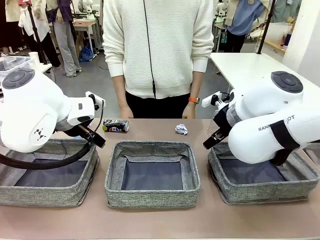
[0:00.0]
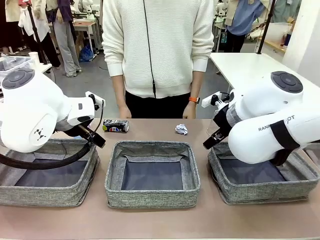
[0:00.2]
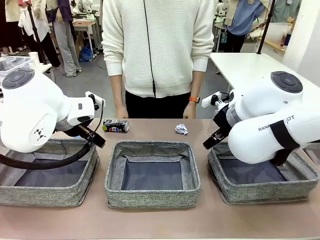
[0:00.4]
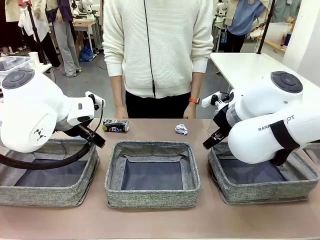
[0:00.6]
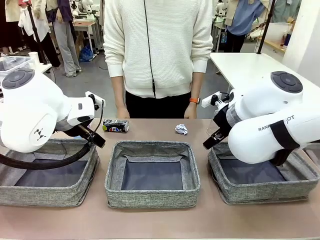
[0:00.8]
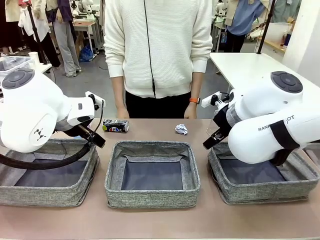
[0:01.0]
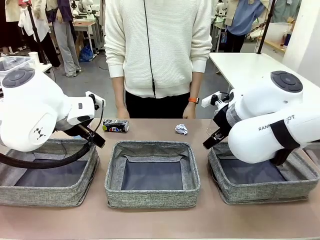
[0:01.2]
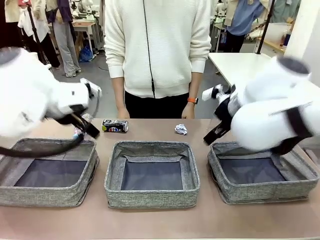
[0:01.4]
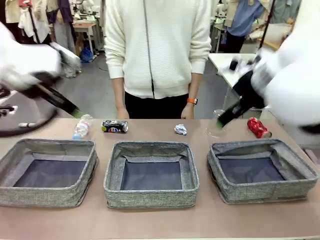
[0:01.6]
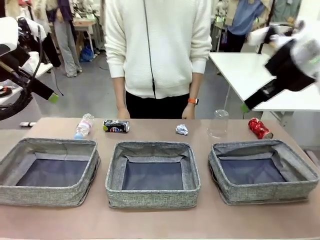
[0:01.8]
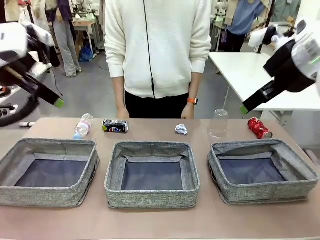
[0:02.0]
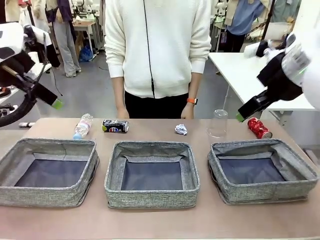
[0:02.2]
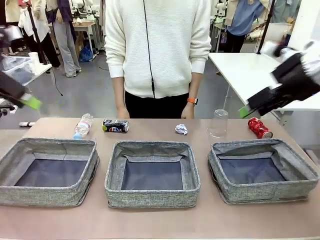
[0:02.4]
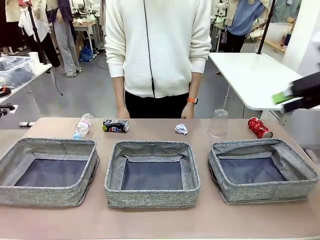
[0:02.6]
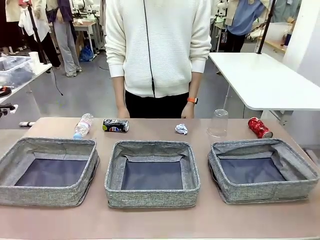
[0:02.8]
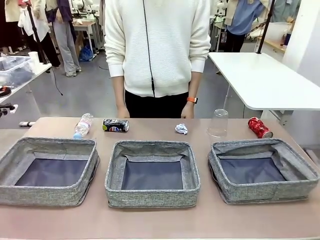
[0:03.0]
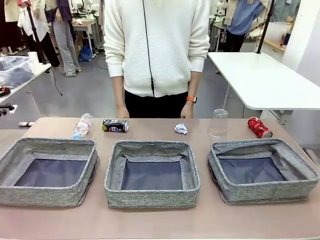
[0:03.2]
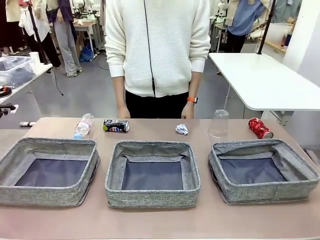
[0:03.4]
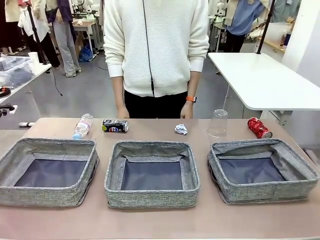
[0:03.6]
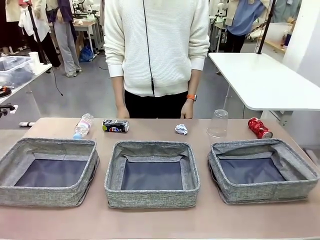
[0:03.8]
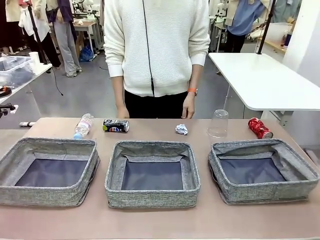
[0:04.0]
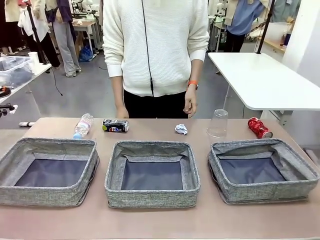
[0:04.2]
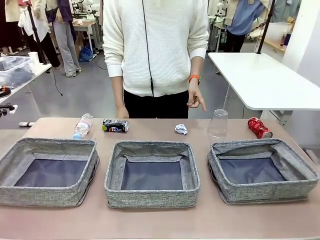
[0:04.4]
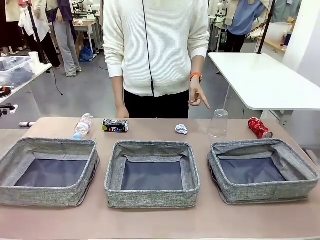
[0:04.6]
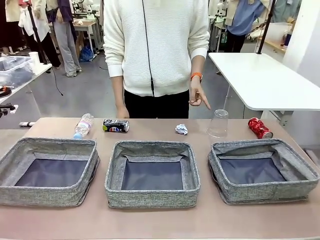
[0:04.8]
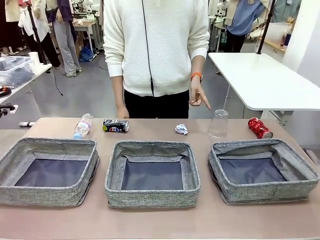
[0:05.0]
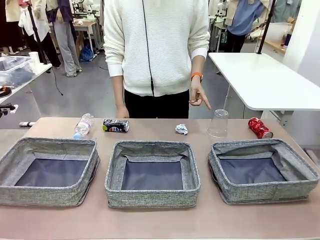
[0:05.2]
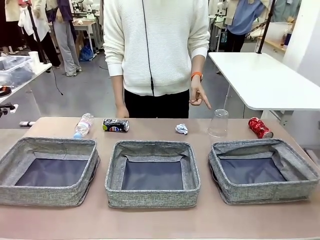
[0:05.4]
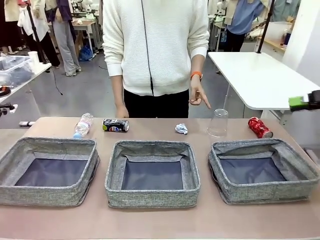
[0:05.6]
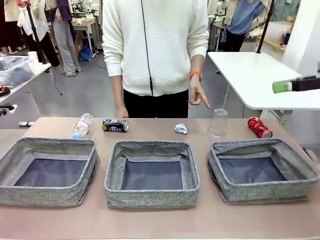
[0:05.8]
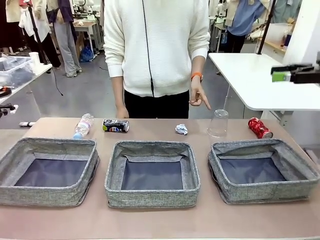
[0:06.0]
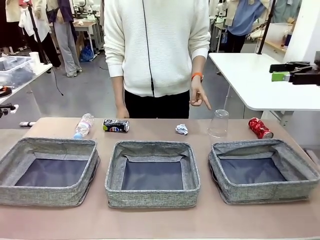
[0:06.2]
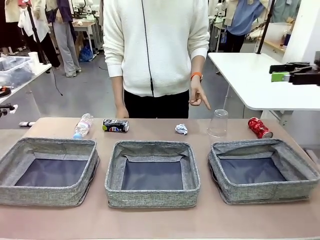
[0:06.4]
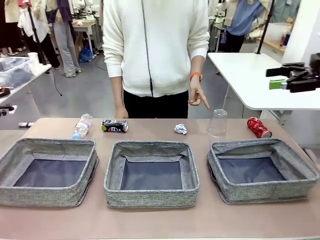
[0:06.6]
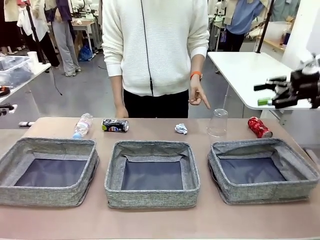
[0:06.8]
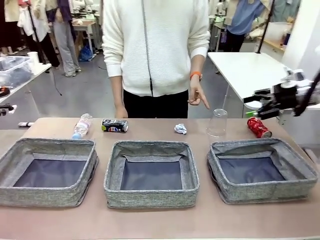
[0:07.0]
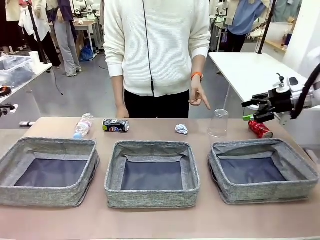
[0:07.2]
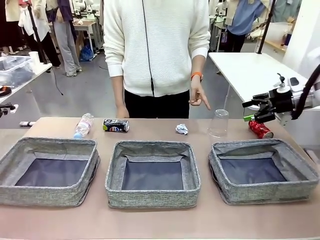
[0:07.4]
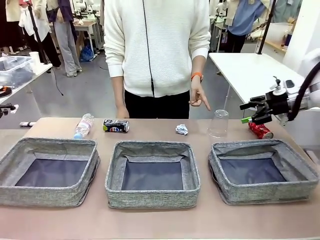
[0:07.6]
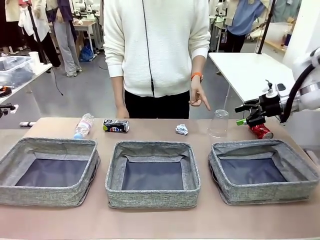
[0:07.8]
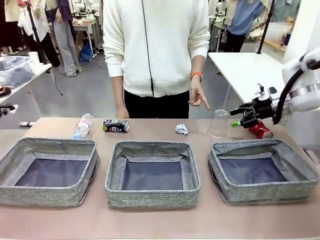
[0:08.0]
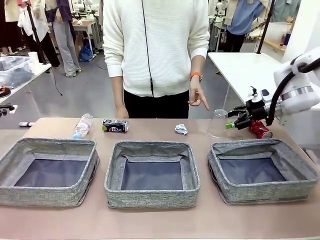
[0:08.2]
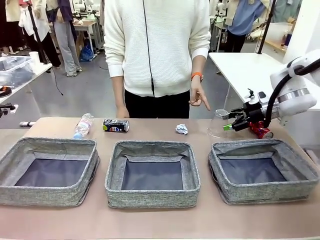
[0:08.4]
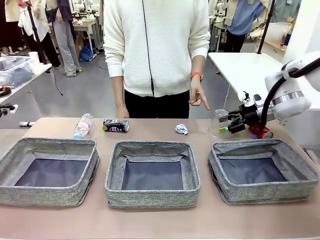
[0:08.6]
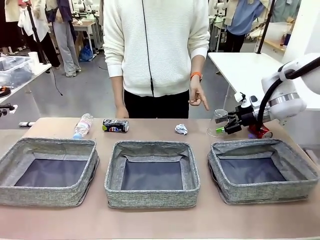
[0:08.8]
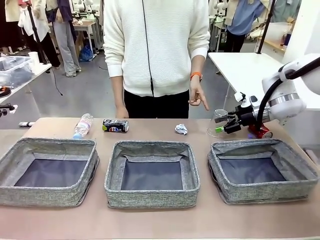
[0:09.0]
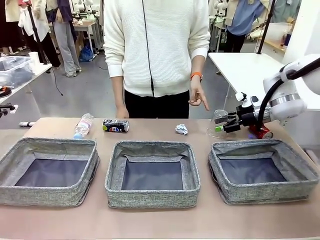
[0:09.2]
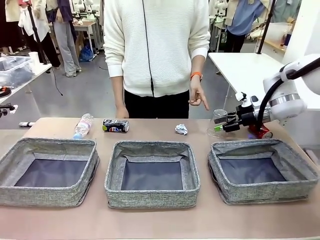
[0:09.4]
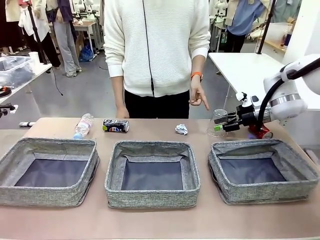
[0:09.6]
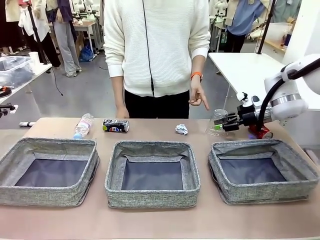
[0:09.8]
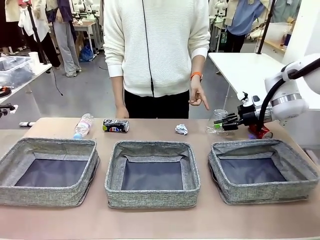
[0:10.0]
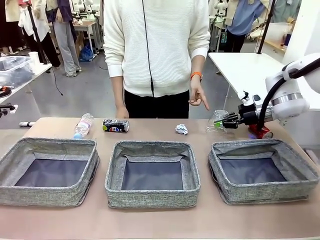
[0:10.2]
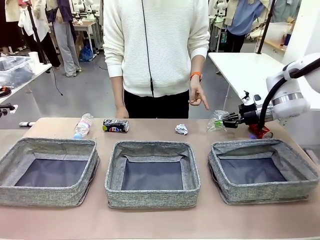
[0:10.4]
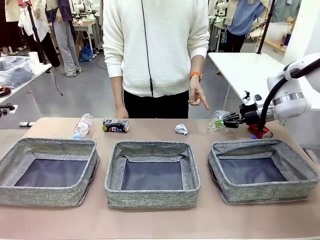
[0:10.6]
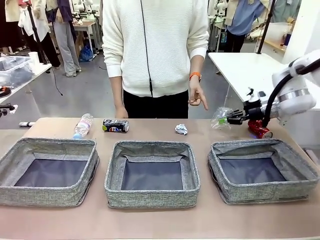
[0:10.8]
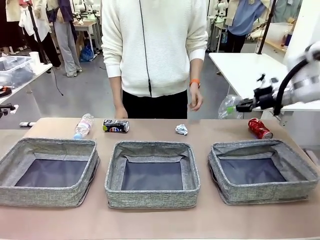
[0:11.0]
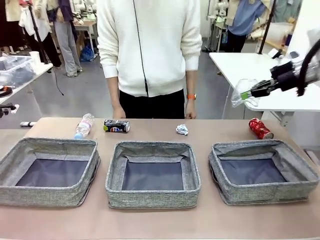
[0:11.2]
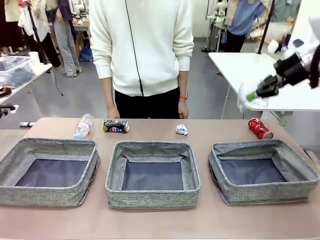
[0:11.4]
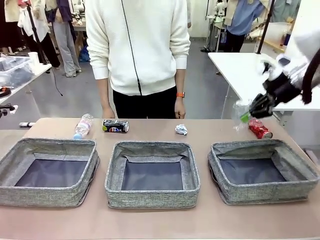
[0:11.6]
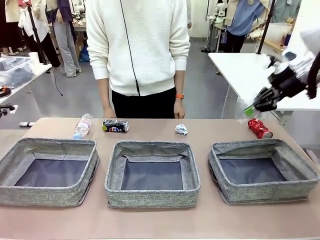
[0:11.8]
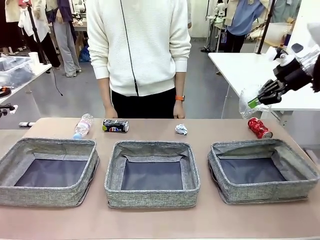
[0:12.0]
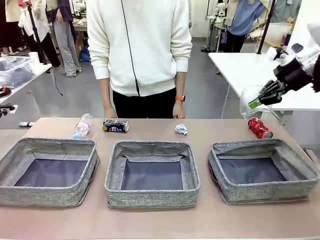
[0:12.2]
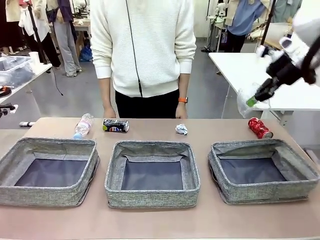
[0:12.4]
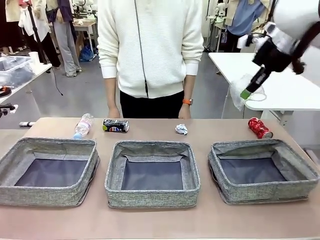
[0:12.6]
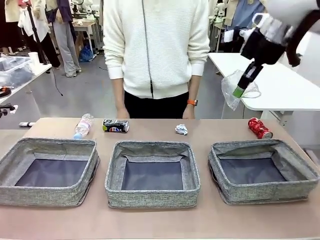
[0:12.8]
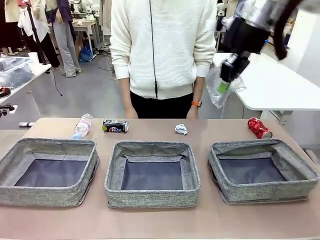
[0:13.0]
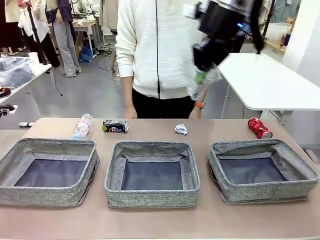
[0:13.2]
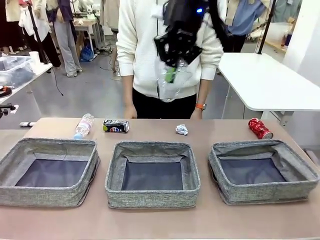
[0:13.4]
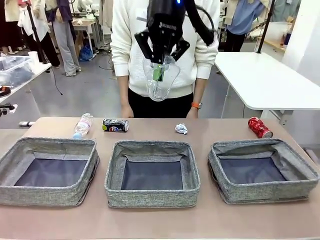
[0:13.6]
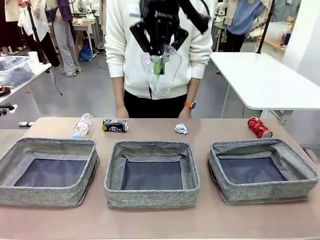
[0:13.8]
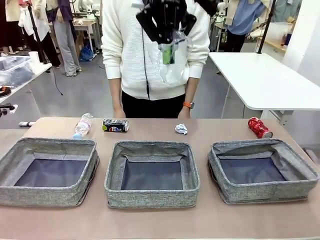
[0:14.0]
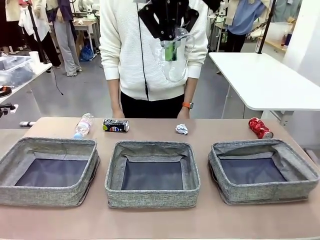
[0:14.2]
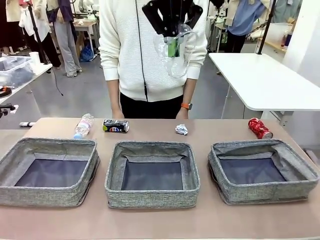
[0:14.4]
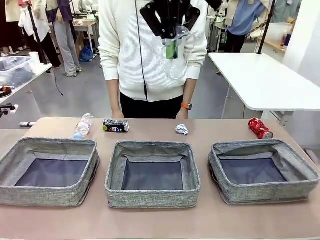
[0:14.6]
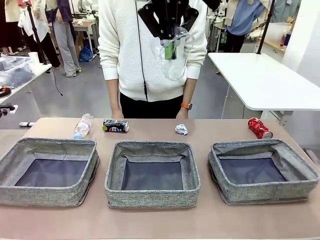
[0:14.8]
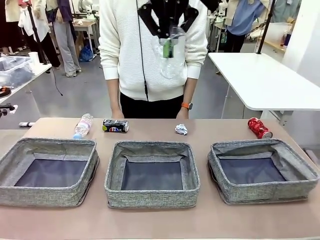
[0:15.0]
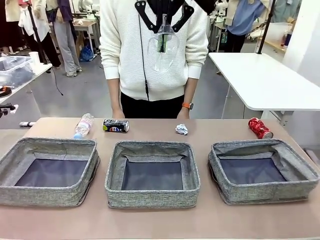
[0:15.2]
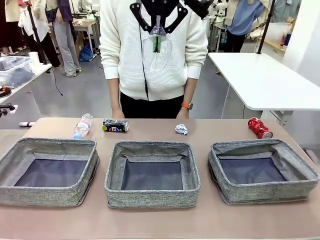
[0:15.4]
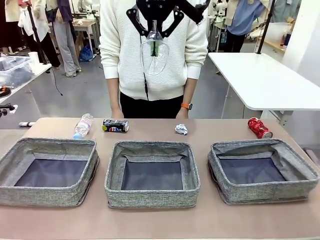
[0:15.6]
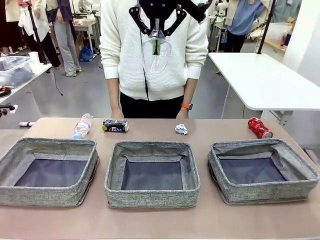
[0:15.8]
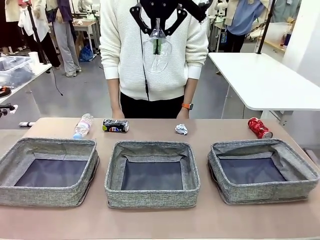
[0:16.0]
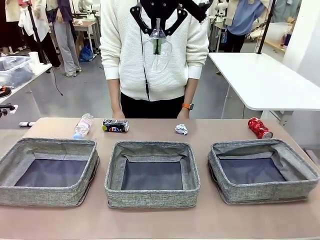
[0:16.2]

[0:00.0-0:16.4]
Task: Sort the waste into the appropriate baskets.
Robot: Pick up the waste item pointed out by the person.
Person: Points to one piece of trash on the table.

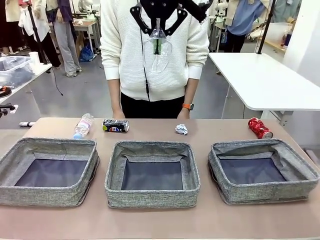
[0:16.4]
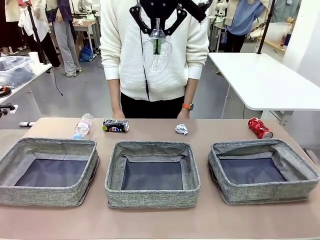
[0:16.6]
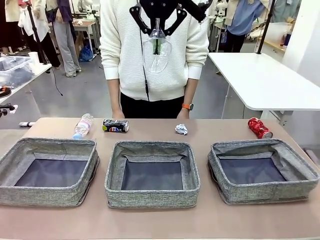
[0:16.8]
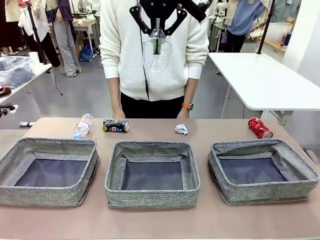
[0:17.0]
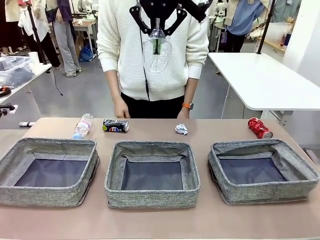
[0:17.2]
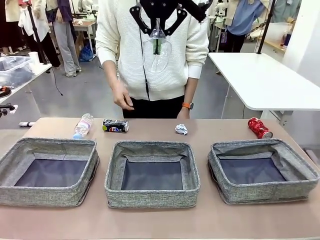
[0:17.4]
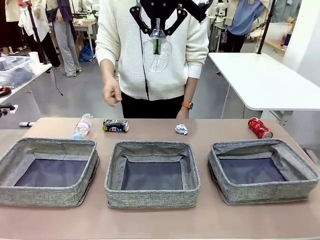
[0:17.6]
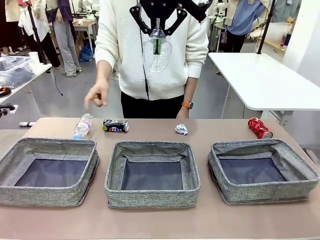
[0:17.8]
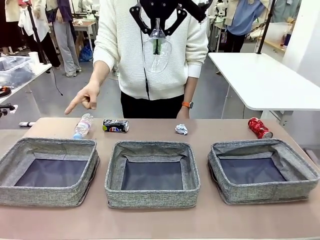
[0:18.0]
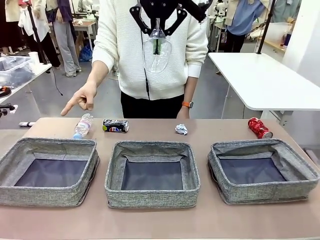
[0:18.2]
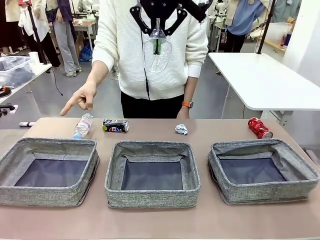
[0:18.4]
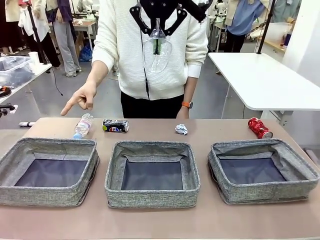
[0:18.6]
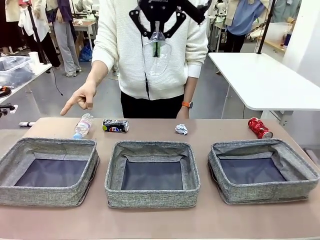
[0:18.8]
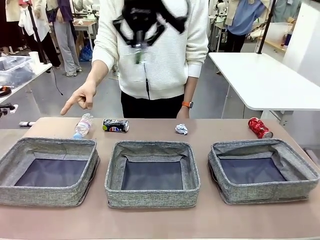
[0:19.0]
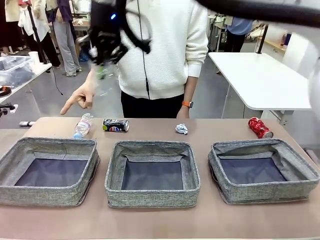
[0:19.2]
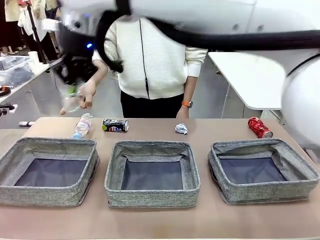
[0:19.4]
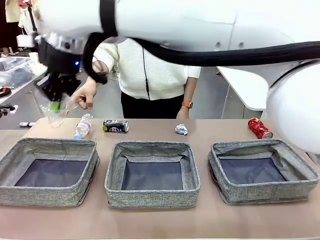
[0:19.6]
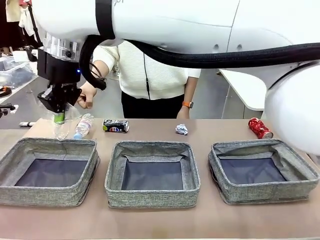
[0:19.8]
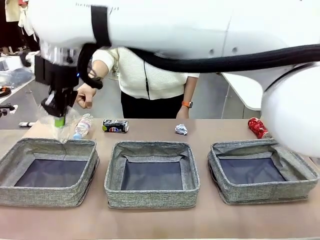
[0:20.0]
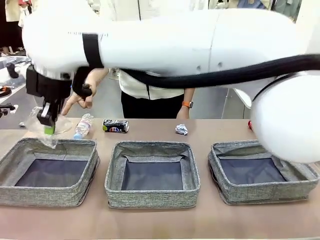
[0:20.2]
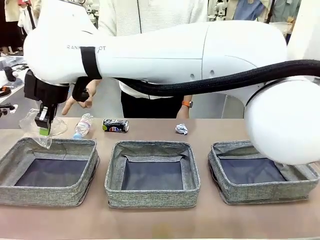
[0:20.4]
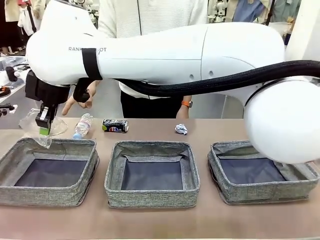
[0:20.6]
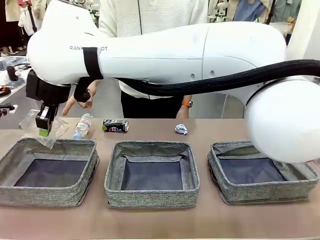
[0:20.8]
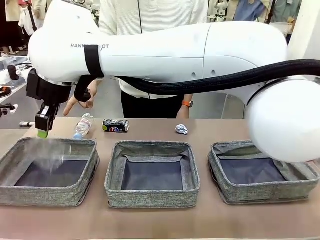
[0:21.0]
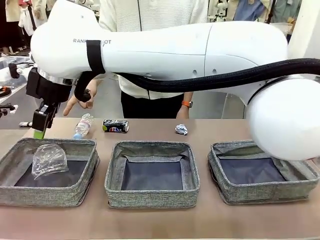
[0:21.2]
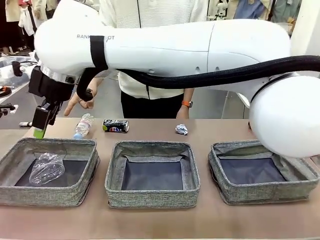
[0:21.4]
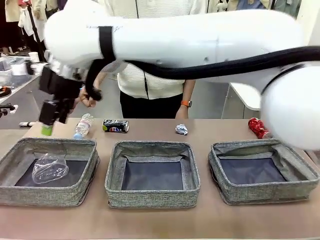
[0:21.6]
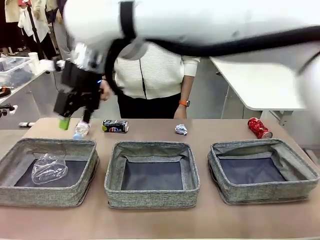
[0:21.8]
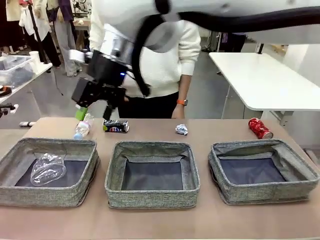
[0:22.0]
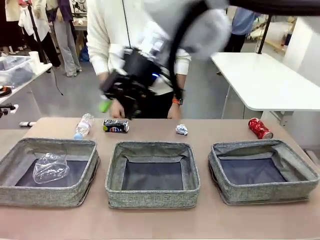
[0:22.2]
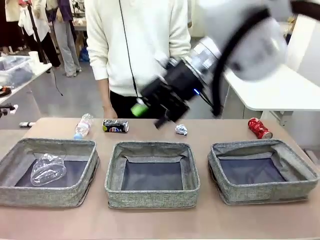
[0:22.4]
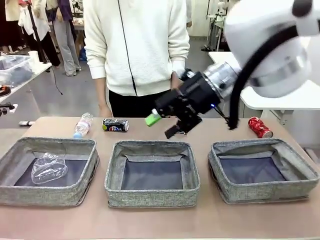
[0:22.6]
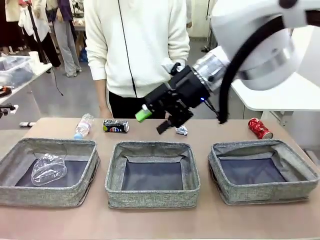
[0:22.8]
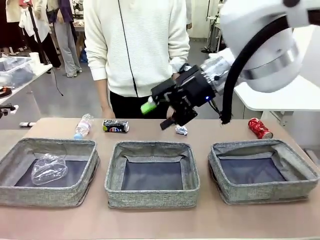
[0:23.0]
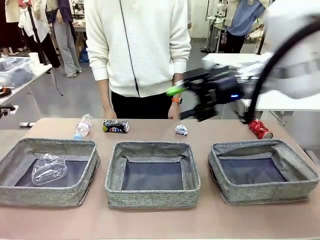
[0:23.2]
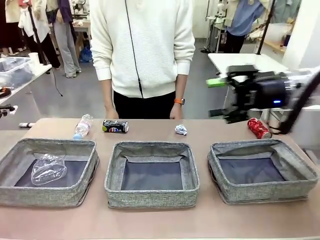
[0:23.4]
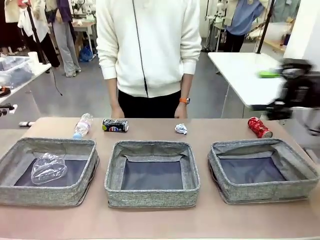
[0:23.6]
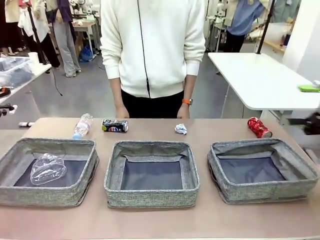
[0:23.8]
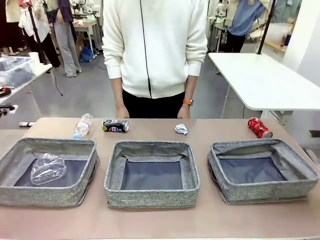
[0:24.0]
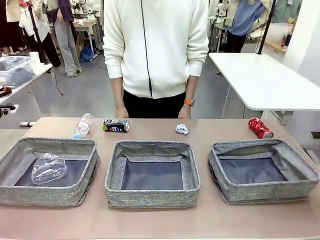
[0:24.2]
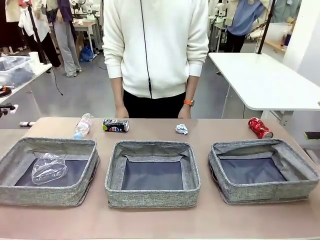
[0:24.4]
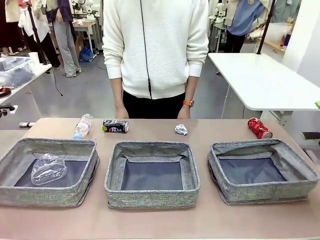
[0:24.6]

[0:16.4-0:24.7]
Robot: Place the picked waste into the Fabric basket indicated by the person.
Person: Instructs the robot to place the picked-up trash into the appropriate organizing basket.
